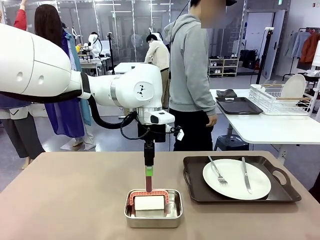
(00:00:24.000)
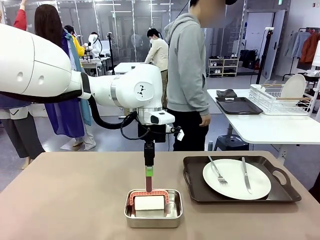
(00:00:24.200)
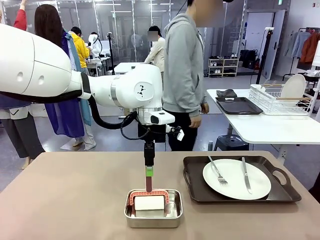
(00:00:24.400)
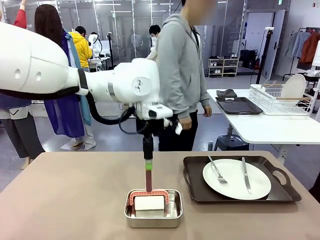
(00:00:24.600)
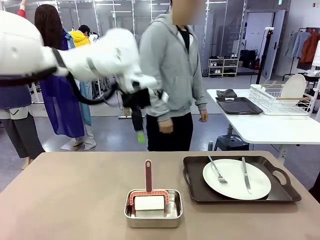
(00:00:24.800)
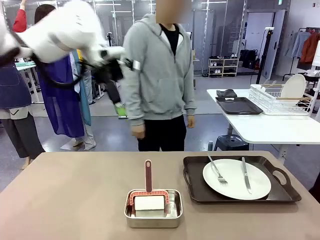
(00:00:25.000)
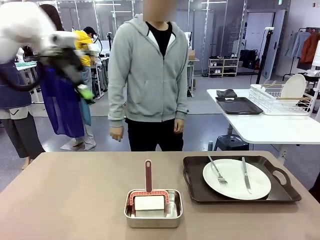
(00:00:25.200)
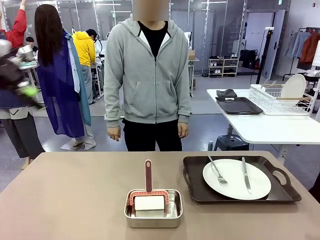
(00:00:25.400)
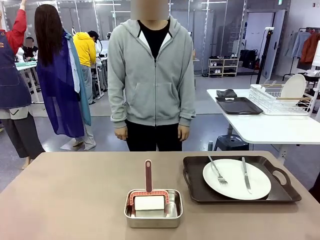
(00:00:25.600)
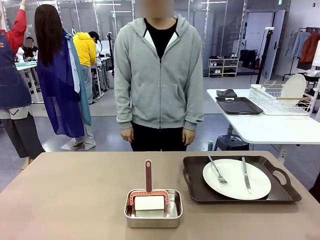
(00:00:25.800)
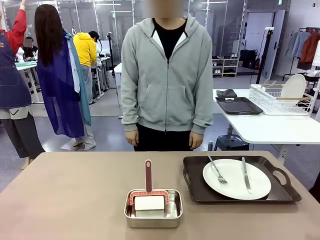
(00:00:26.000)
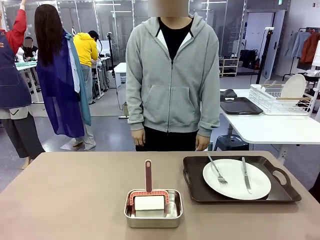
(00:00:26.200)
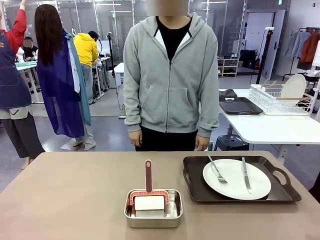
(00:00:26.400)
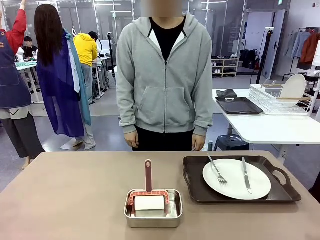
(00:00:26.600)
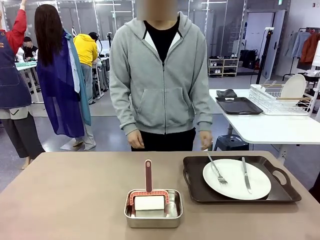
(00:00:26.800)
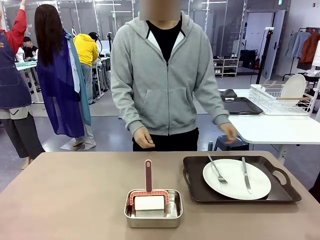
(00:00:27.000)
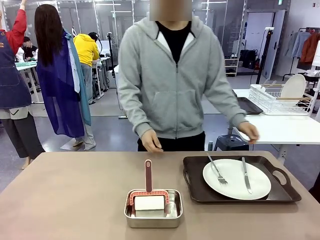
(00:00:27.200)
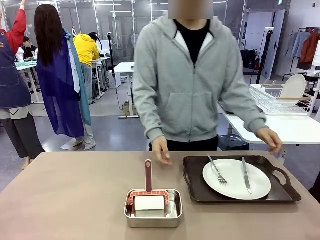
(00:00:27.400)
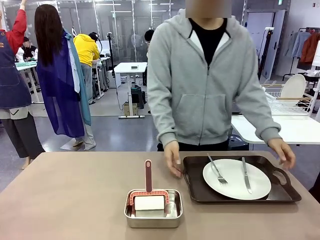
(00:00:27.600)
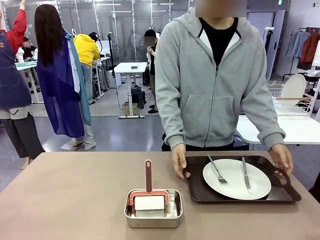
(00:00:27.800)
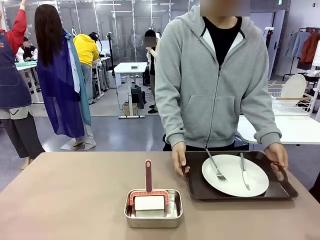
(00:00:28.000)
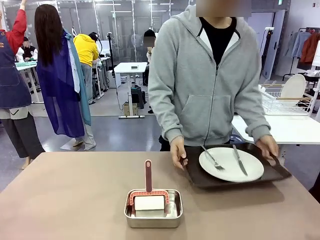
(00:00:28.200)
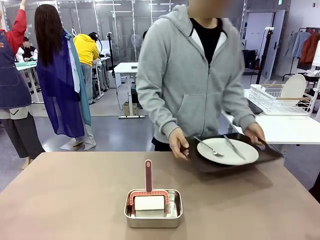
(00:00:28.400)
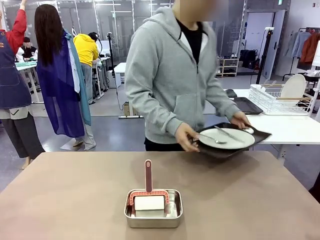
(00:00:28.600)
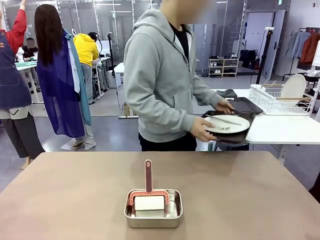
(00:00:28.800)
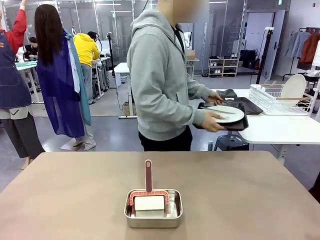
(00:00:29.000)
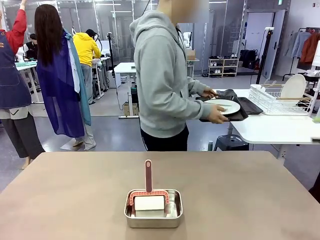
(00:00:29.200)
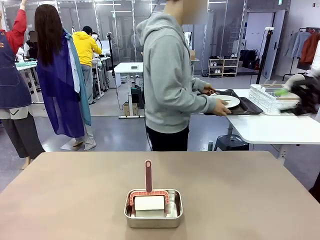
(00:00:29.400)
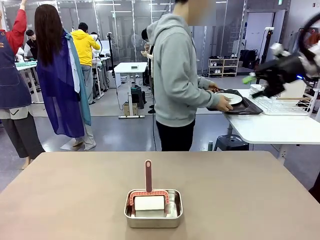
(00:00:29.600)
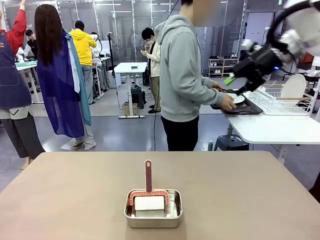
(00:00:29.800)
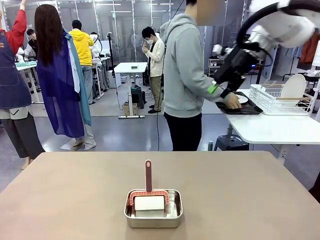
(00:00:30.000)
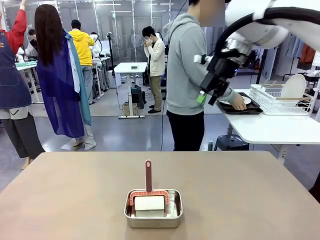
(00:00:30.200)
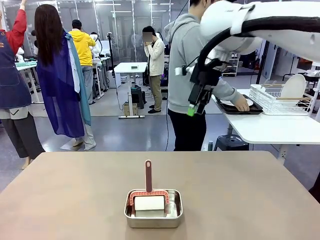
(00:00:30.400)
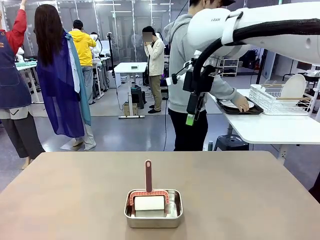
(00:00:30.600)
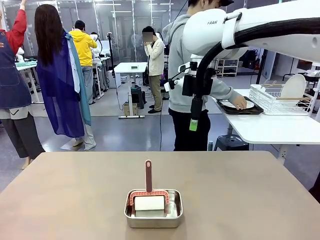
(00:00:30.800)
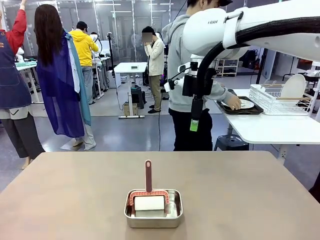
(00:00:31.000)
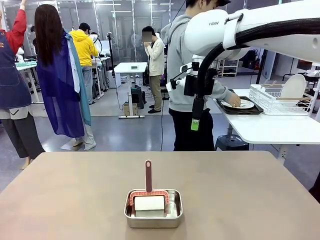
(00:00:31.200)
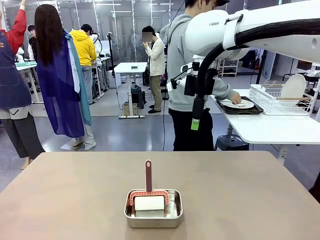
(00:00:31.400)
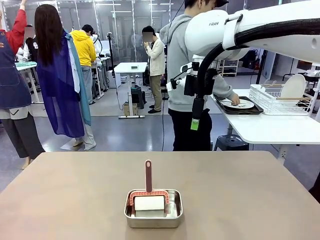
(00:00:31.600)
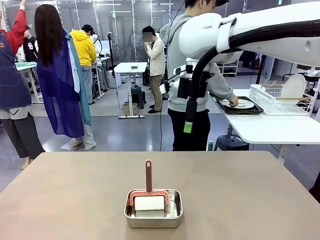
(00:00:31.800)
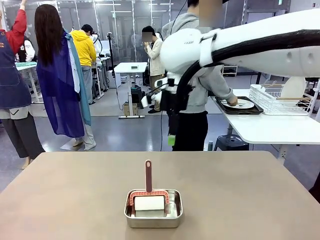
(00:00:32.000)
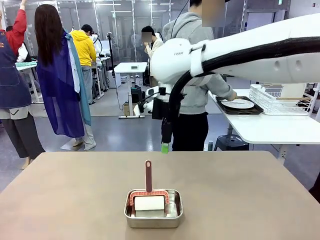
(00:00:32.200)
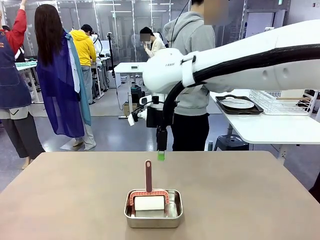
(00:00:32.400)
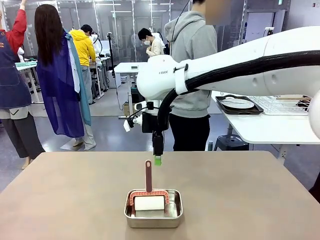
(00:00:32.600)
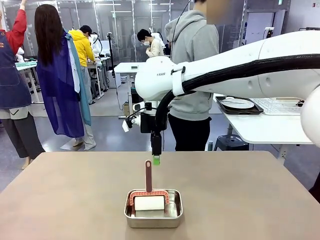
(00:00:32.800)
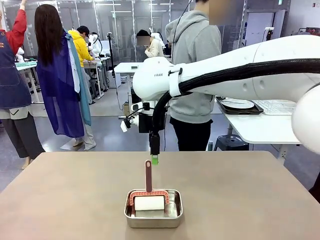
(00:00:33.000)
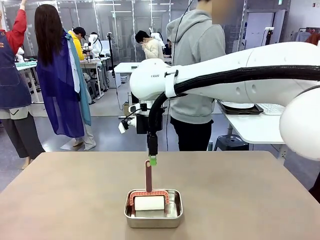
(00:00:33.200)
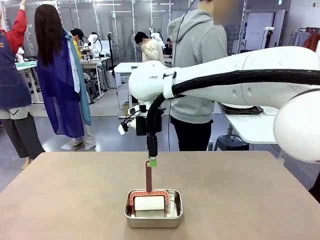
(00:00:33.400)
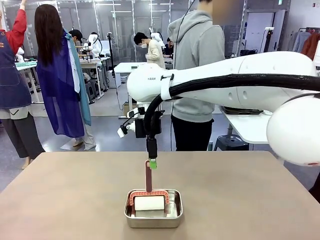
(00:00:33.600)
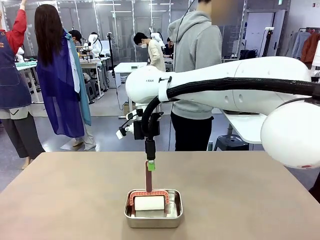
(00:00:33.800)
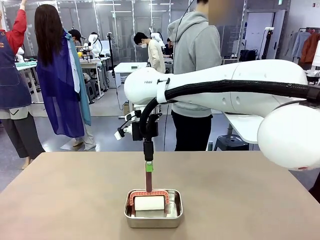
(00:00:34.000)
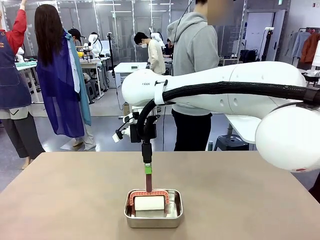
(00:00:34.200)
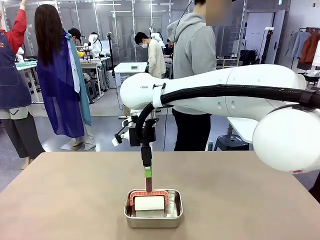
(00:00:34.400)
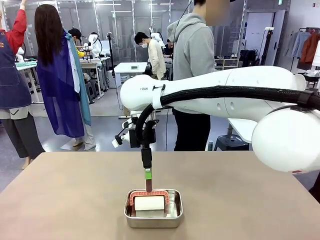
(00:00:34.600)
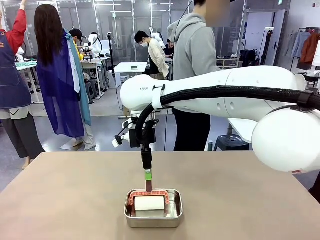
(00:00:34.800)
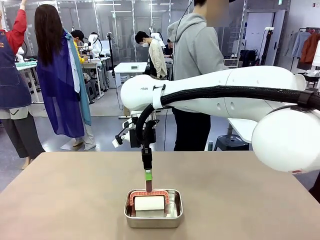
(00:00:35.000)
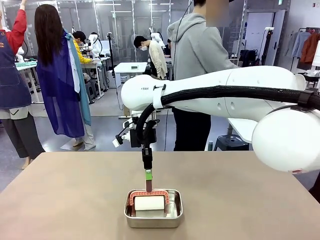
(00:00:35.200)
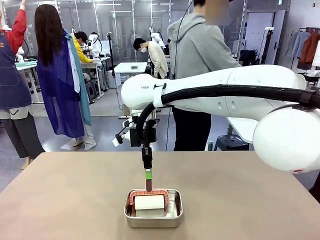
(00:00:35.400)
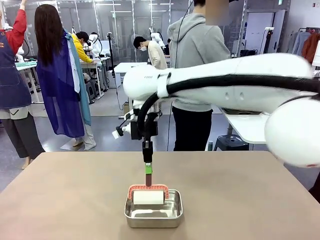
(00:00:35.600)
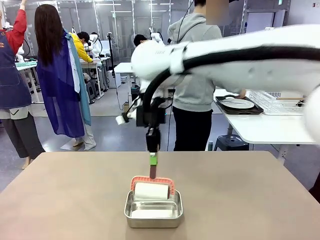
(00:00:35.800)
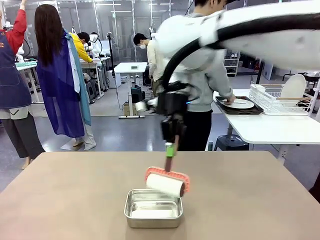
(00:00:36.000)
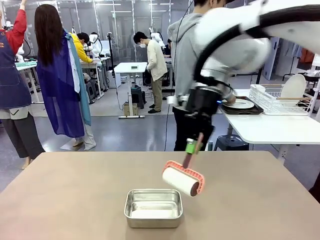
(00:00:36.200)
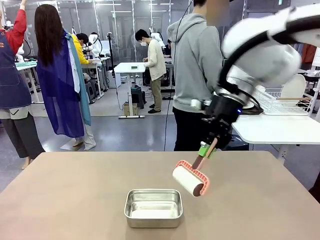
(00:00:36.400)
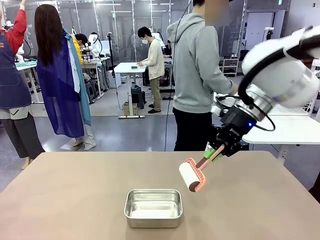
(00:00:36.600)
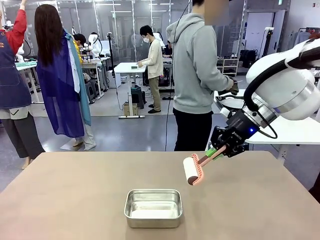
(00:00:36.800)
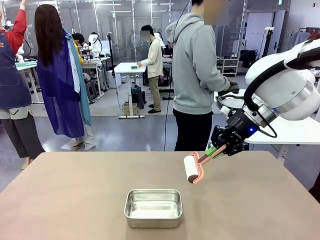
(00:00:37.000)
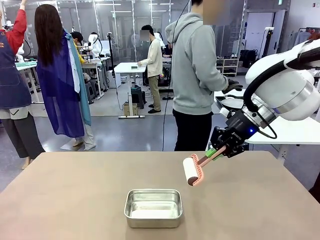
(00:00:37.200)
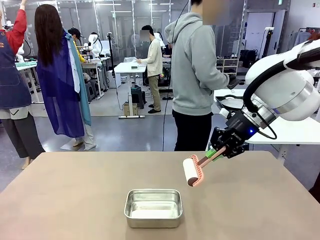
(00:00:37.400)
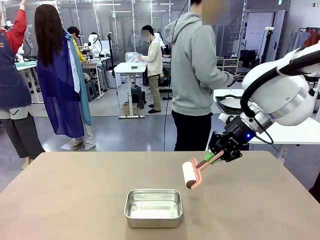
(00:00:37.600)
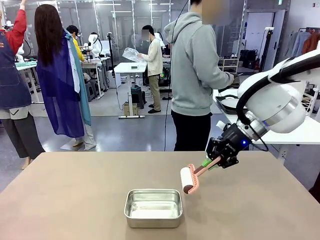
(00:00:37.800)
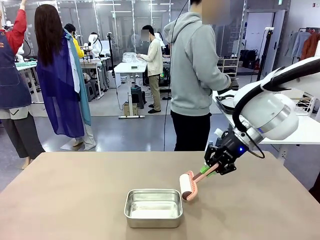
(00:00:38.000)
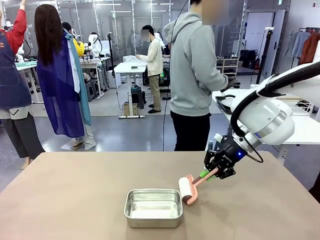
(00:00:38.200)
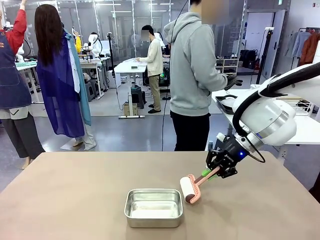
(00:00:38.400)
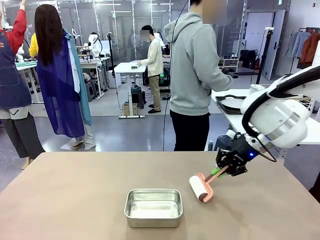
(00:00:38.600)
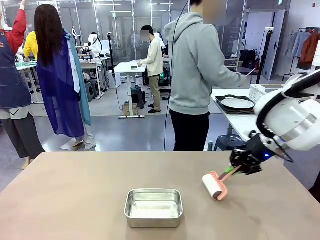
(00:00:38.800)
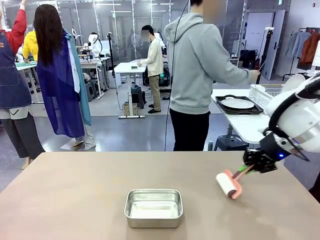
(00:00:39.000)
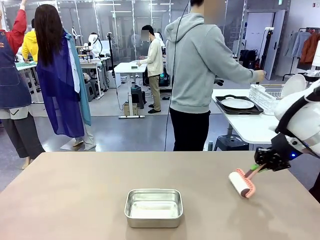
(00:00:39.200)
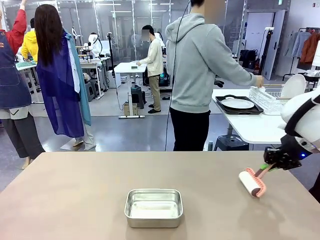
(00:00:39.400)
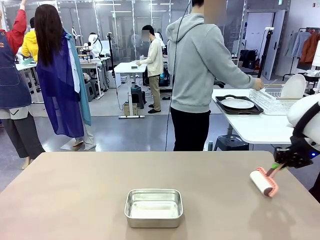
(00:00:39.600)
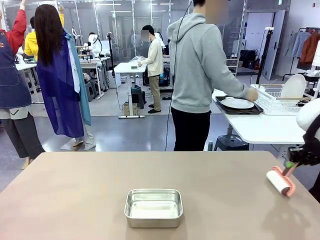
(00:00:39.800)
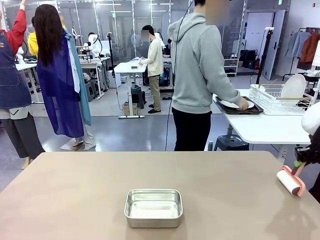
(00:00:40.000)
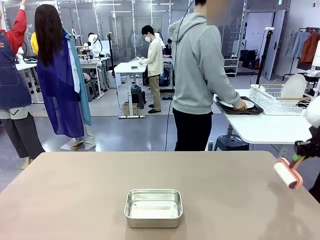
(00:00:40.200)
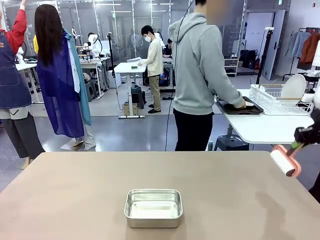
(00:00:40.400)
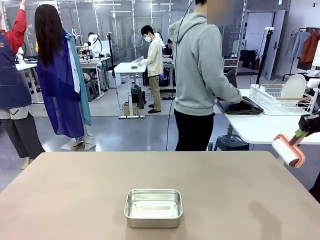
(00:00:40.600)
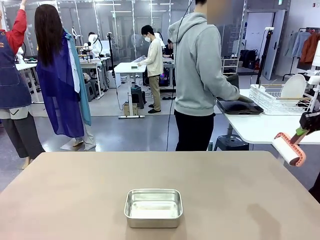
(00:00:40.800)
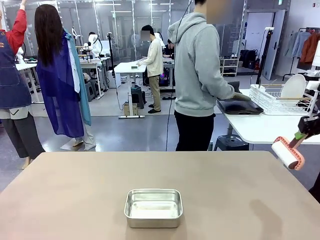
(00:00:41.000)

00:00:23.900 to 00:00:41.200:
Robot: When the right (or left) Handle tray is removed, use the right hand (or left hand) to clean the right (or left) side of the table with the Lint Roller.
Person: Pick up the left (or right) Handle tray and place it on the Handle tray.
